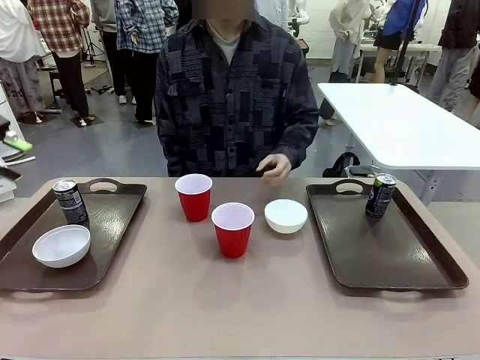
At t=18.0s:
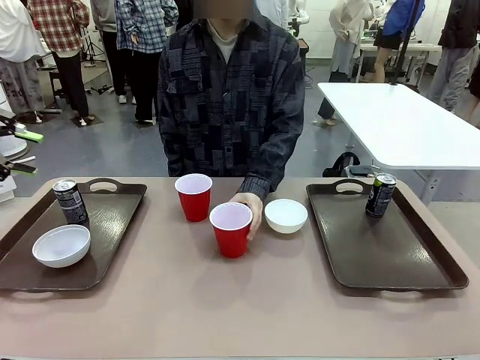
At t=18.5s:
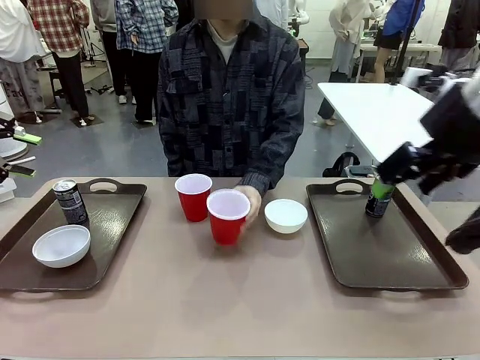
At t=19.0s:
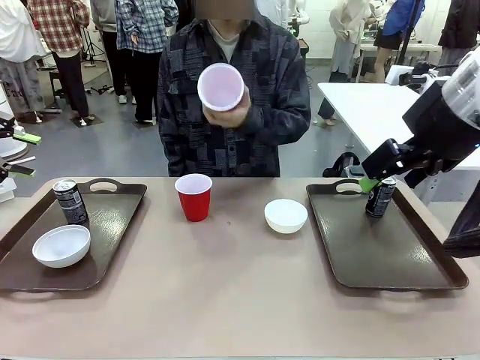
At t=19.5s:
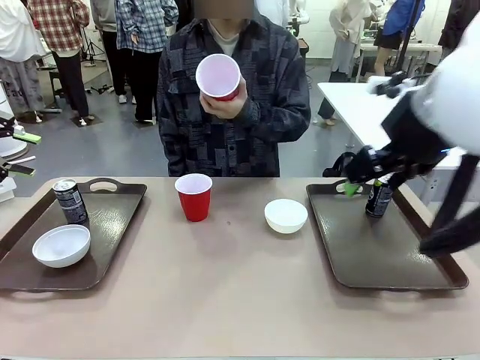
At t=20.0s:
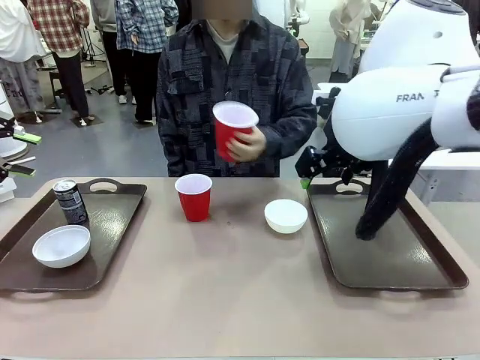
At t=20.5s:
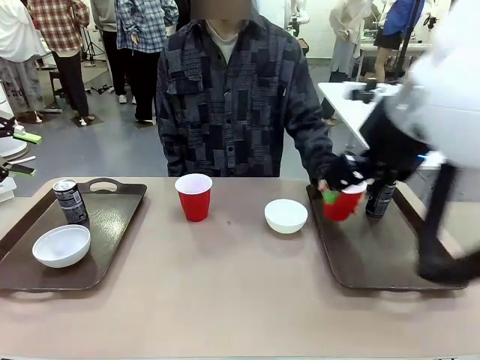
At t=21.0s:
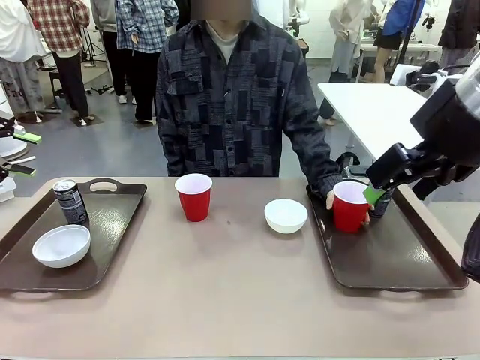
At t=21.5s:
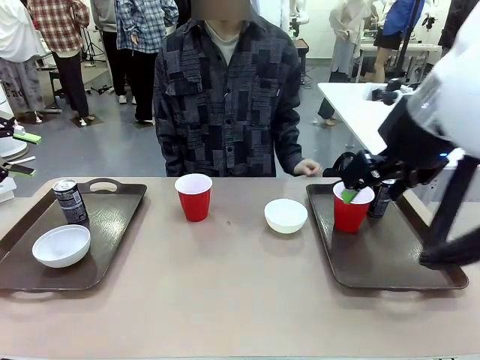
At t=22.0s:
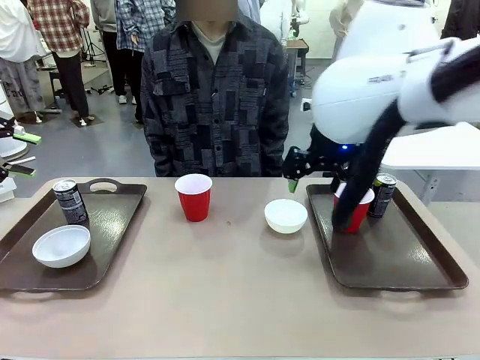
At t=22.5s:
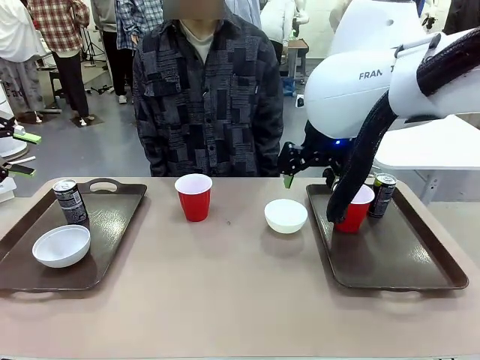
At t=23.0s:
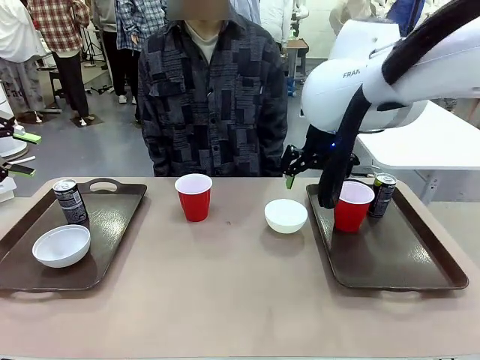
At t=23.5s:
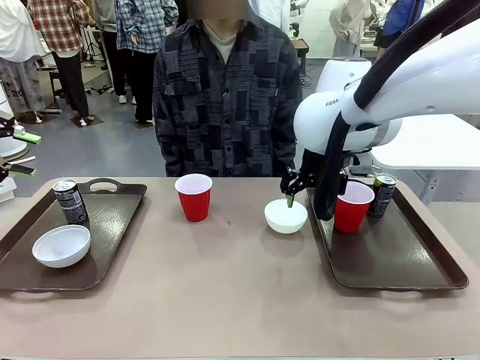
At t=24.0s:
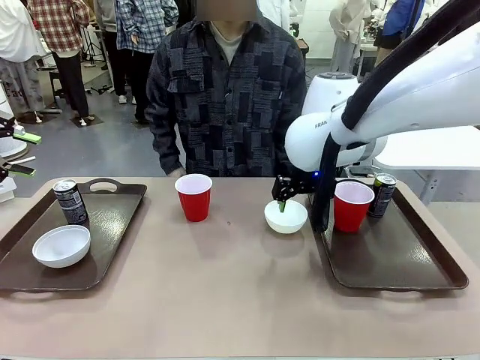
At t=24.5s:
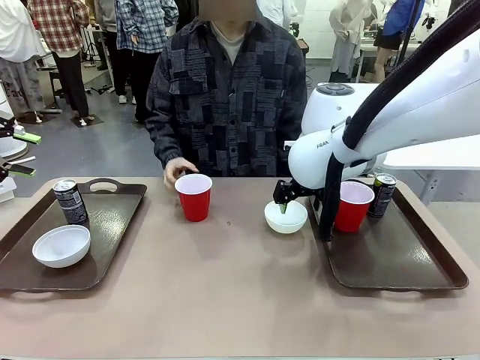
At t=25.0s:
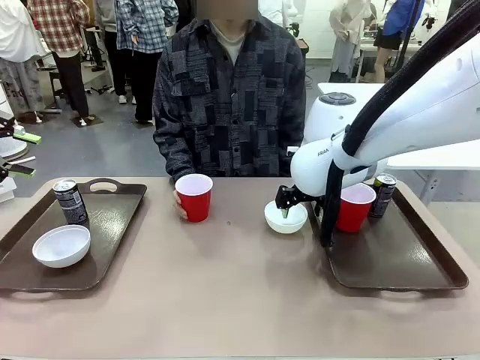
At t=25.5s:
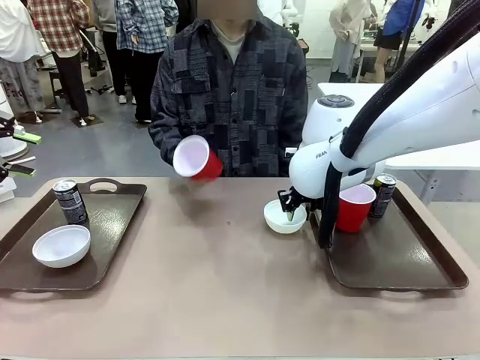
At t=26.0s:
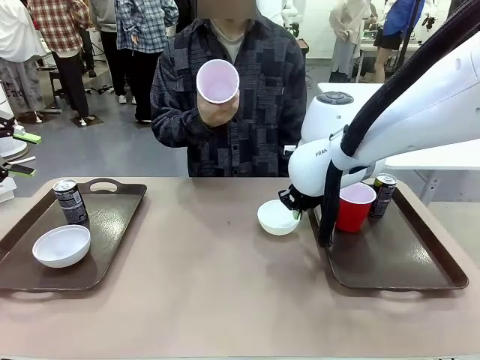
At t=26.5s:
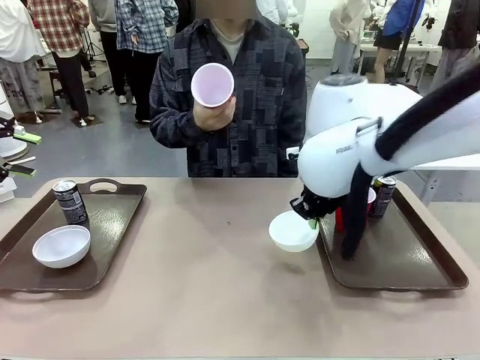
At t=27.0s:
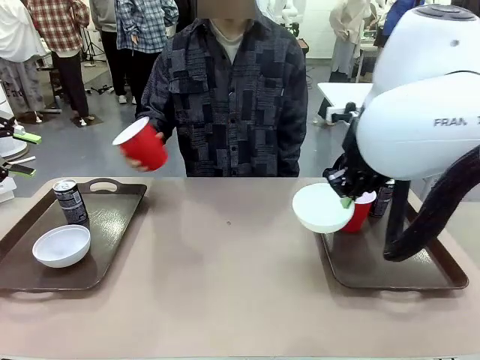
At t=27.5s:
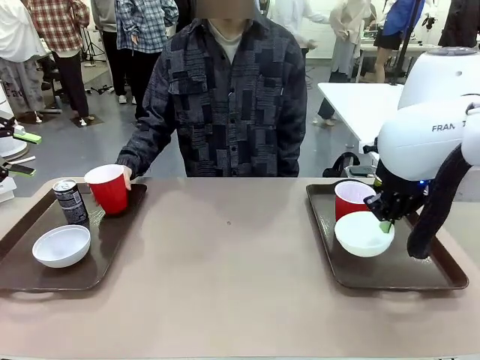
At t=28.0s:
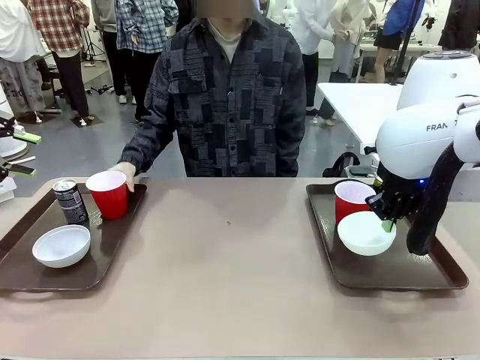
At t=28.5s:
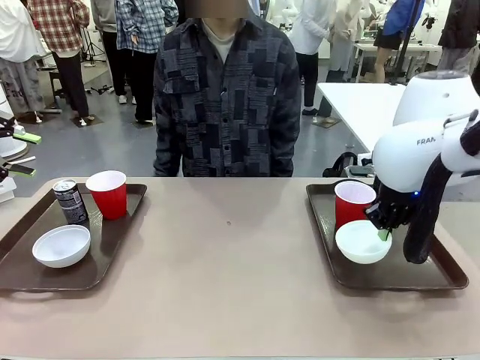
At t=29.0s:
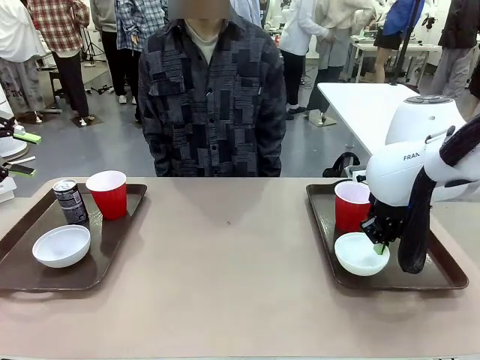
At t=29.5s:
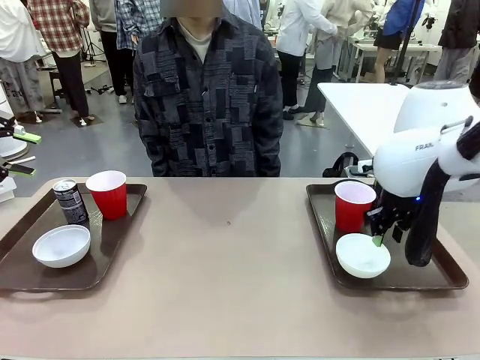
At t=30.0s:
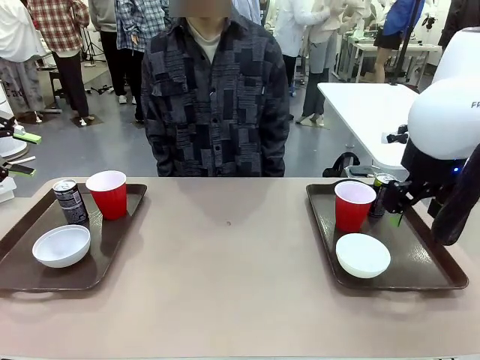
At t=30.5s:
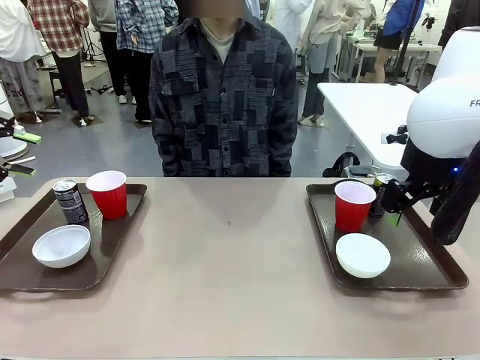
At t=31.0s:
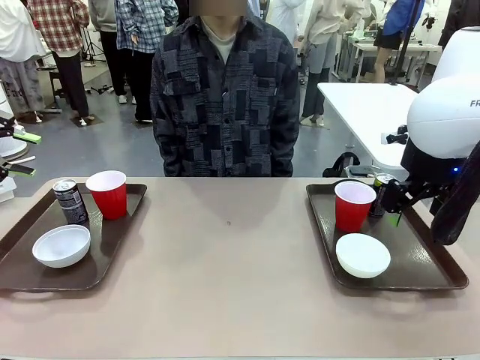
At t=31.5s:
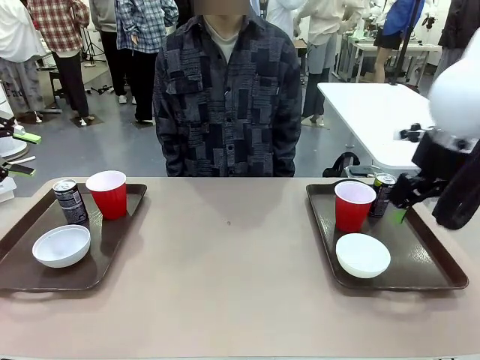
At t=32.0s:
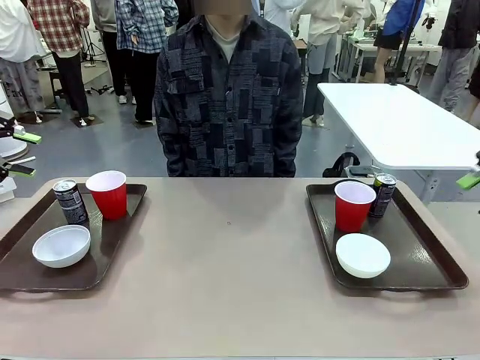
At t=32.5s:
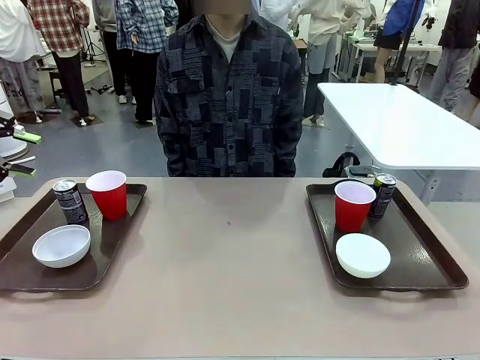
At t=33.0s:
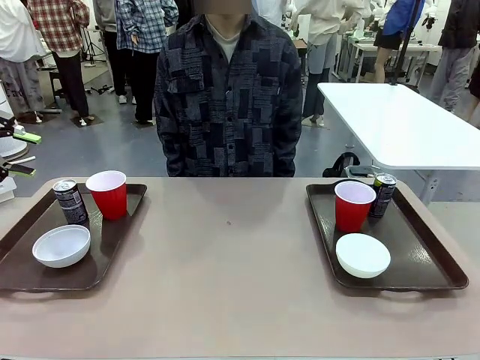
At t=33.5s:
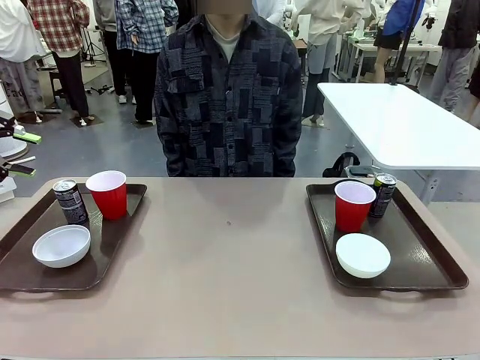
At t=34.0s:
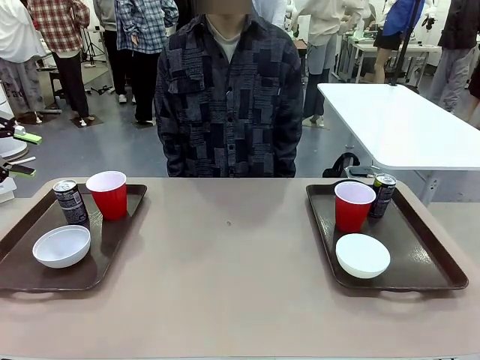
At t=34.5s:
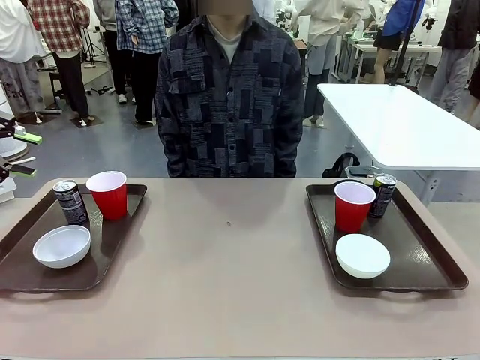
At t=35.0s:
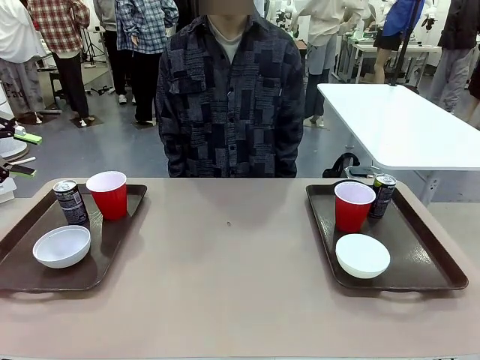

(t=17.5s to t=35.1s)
Task: Prepare tableware on both trays.
Robot: Pick up a Picnic Bowl from the table and place it on a Handle tray.
Person: Pick up a can or cup and place it on the tray without a can or cup.
